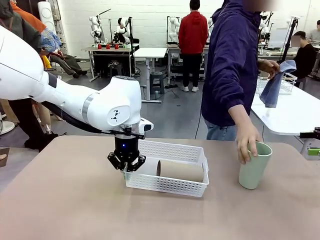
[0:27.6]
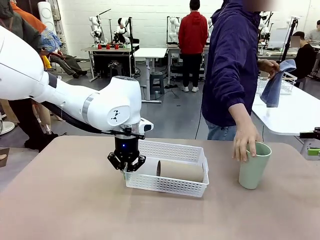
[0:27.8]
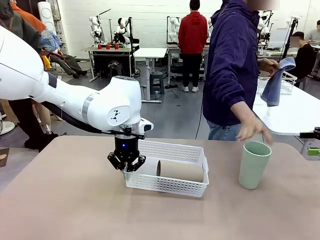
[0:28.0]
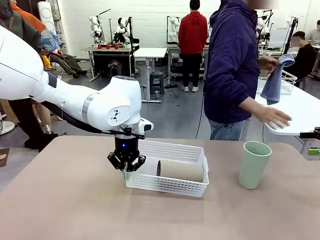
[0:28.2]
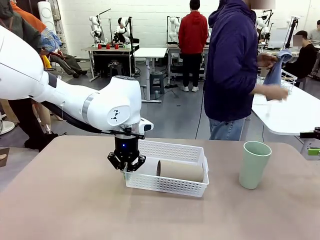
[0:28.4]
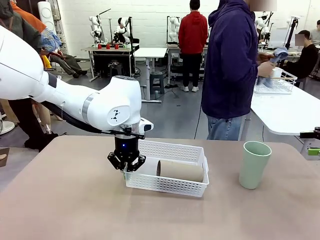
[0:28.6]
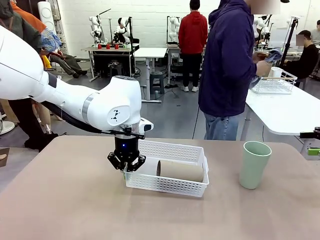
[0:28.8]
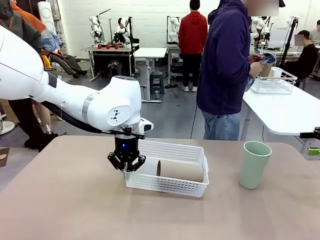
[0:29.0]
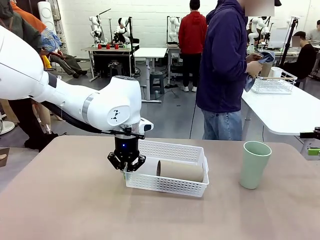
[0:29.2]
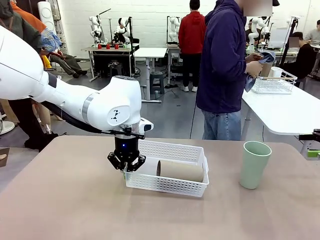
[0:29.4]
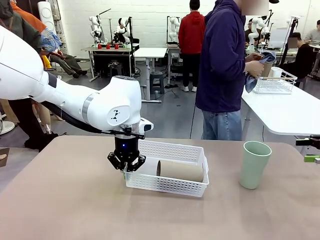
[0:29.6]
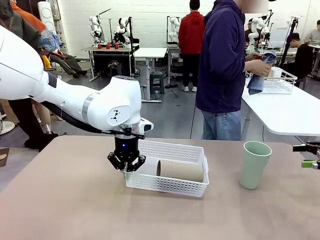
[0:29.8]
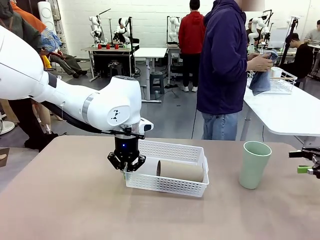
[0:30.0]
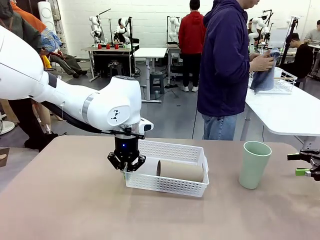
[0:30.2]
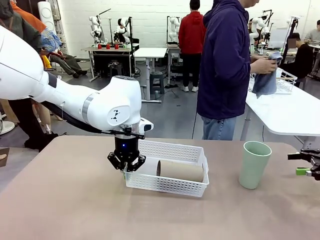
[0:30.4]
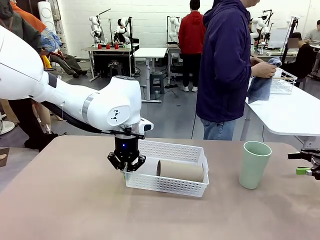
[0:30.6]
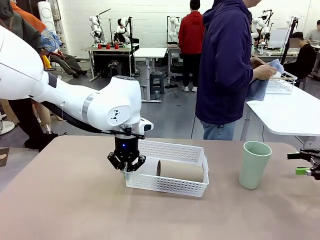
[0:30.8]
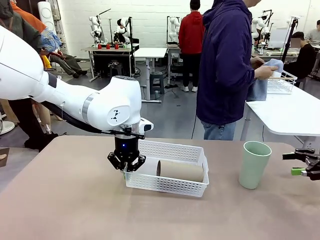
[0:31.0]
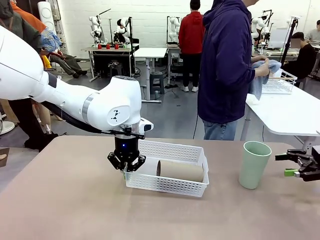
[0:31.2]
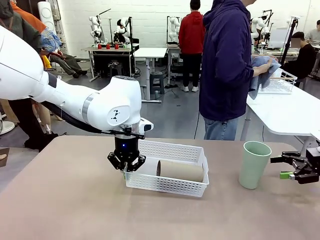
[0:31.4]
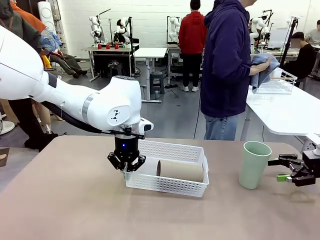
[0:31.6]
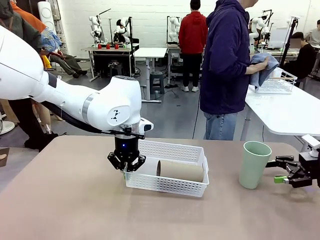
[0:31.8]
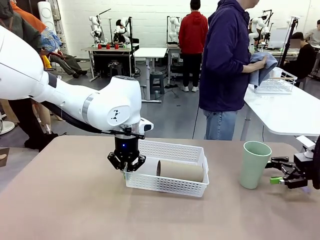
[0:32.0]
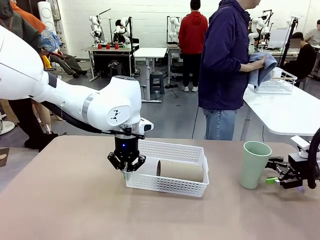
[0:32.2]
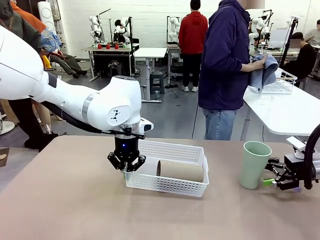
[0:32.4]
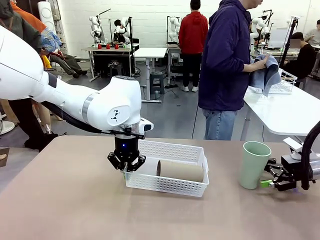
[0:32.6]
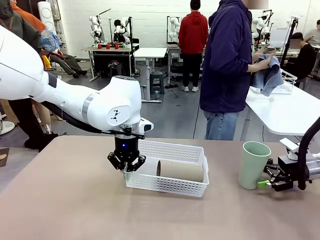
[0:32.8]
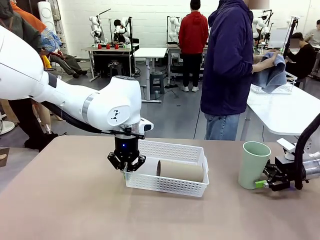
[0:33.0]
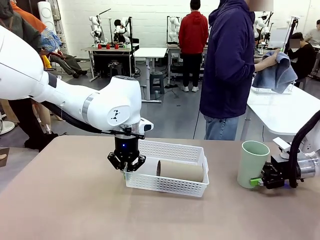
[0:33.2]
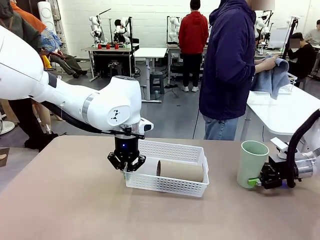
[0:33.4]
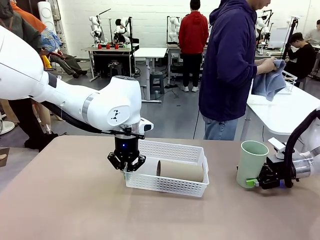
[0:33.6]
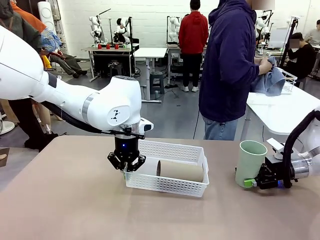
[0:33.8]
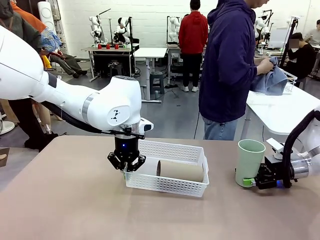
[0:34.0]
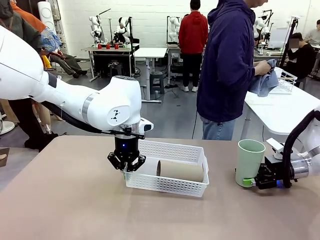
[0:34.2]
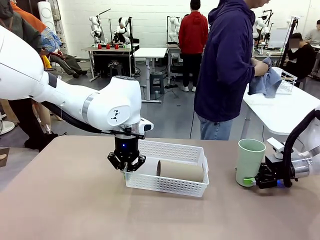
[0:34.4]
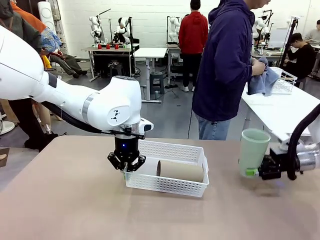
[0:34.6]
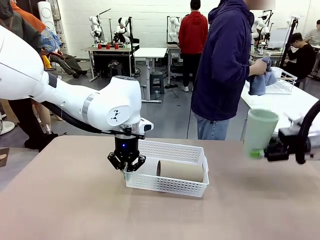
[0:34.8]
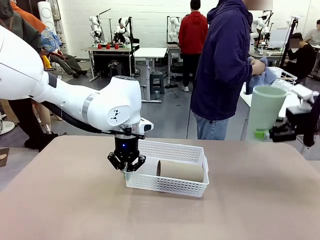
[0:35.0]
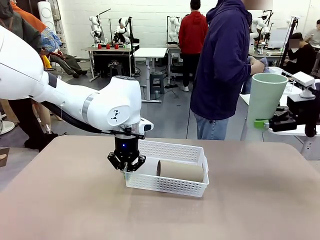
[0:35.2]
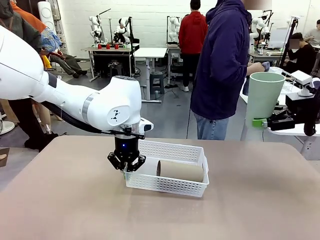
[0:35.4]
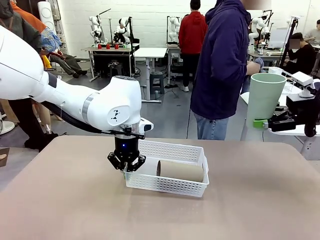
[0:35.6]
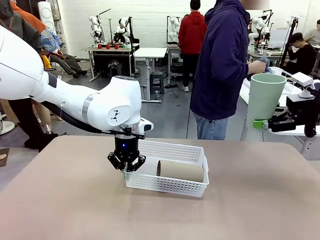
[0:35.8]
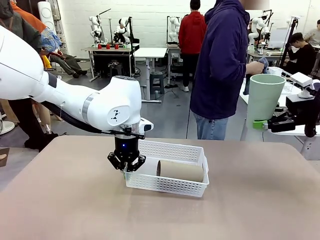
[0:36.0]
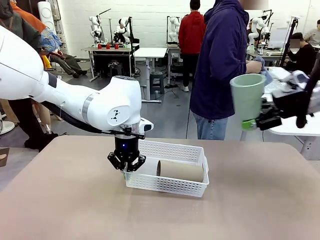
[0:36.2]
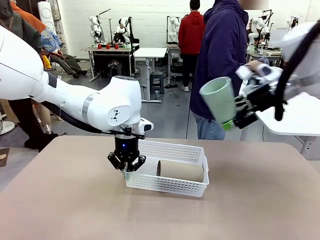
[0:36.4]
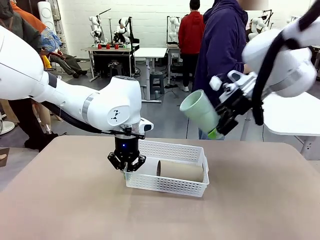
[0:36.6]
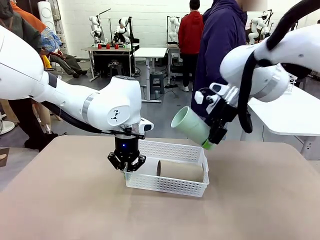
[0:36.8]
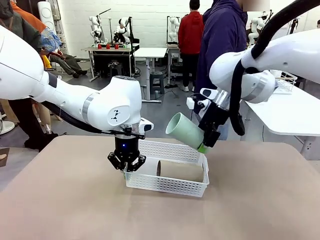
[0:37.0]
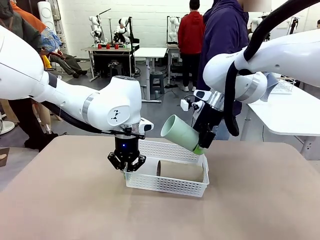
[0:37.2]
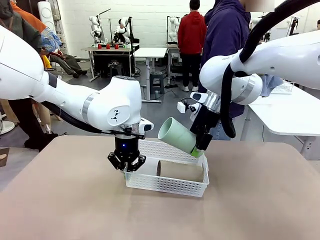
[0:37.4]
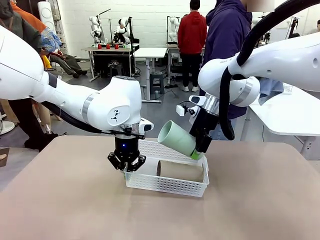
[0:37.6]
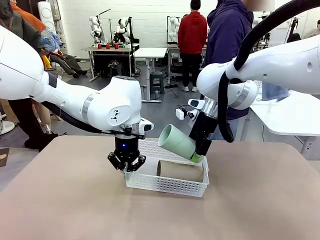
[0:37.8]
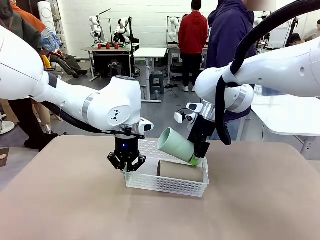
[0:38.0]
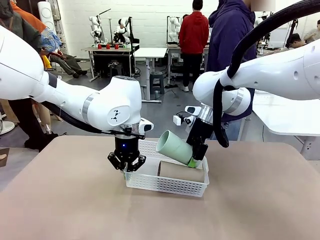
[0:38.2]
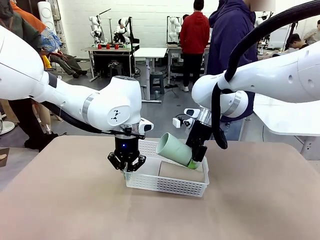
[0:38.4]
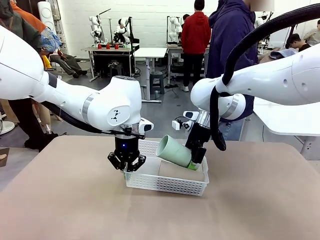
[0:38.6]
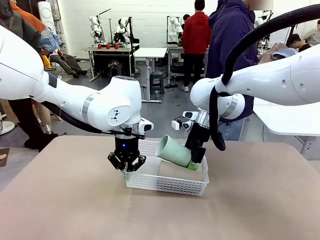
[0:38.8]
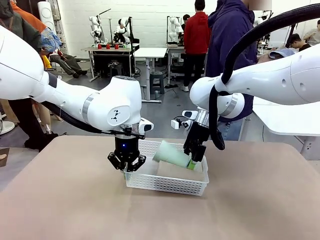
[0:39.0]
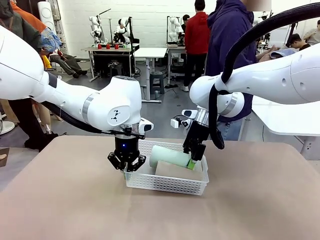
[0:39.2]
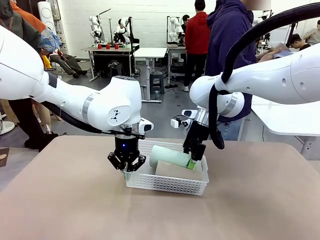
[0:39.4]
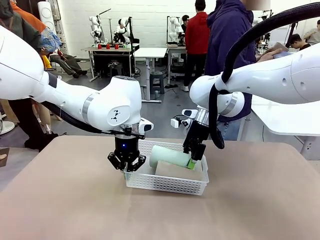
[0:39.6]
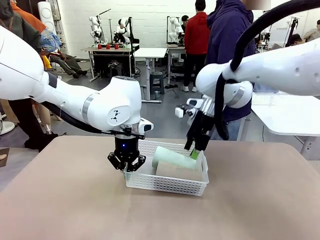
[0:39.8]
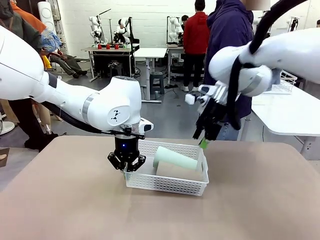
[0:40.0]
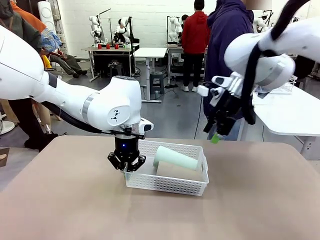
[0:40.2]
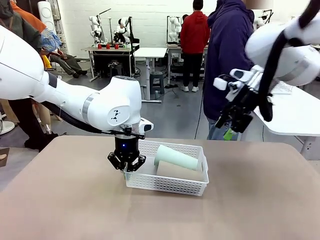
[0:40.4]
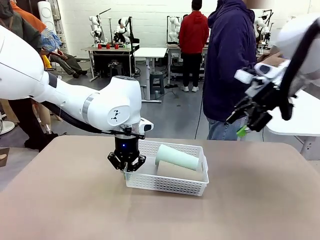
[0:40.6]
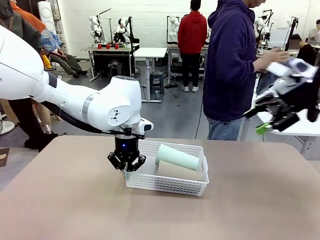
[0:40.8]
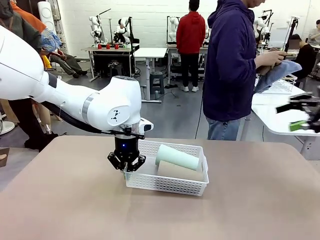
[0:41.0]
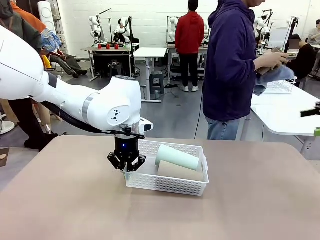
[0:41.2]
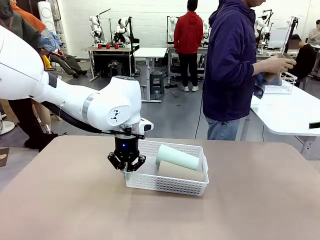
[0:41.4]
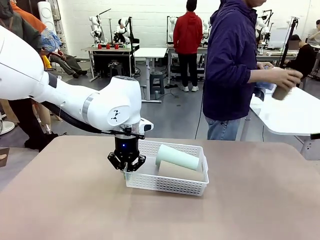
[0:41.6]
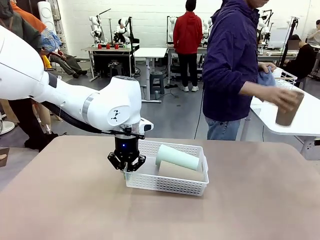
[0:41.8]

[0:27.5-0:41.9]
Task: Clean and organize the cups into the basket.
Robot: Pick up the Reusable plastic cup from the right side of the table and stack it inside the Organizing basket in the center of the table.

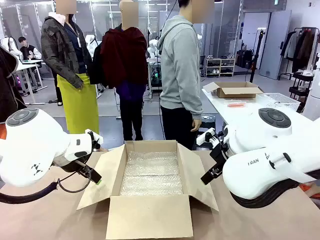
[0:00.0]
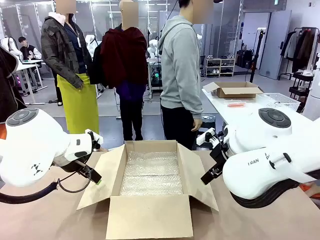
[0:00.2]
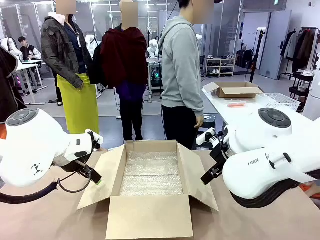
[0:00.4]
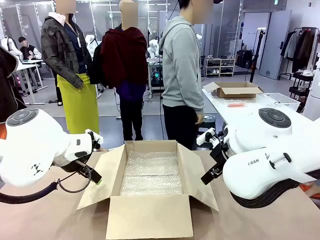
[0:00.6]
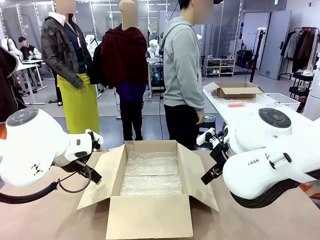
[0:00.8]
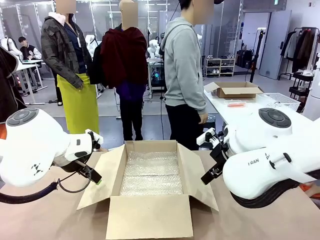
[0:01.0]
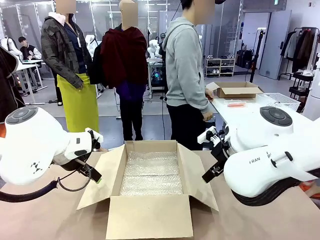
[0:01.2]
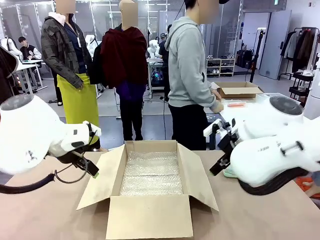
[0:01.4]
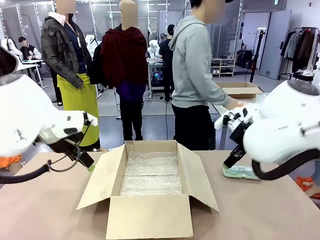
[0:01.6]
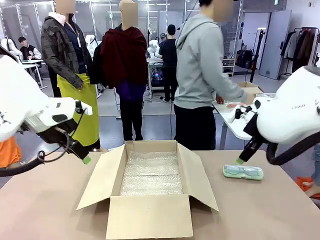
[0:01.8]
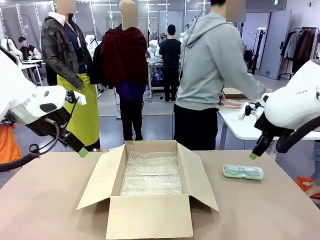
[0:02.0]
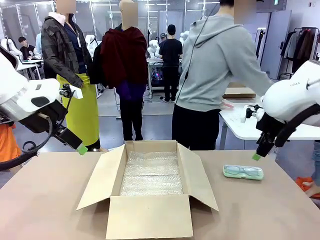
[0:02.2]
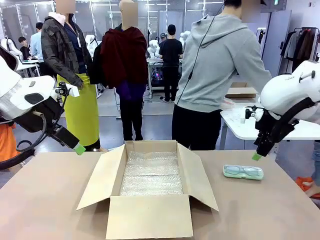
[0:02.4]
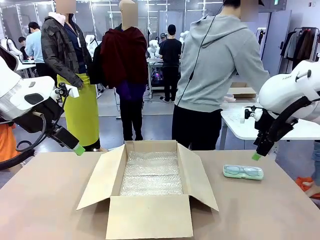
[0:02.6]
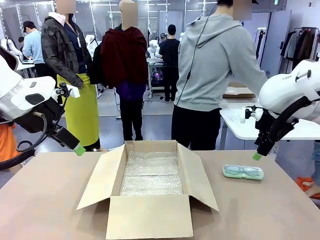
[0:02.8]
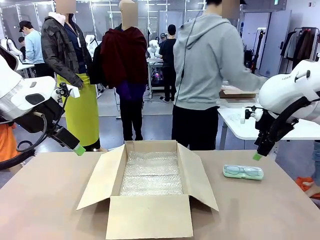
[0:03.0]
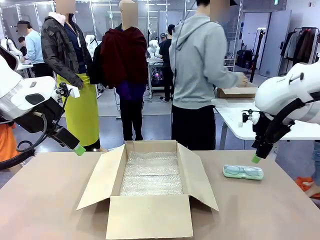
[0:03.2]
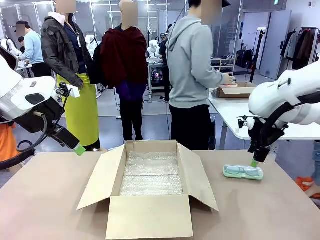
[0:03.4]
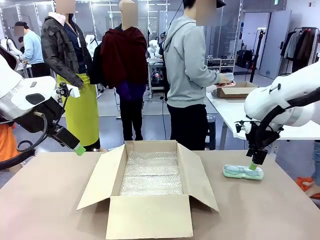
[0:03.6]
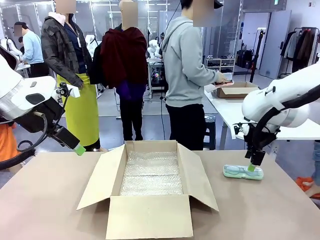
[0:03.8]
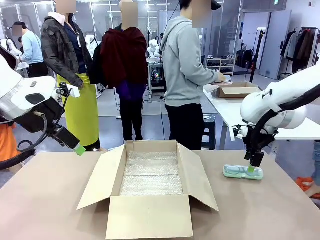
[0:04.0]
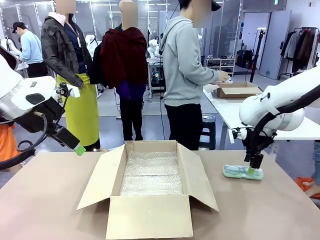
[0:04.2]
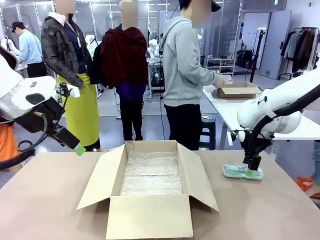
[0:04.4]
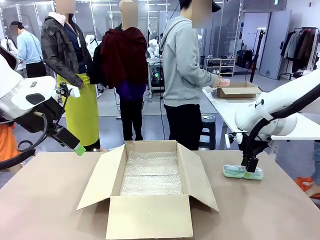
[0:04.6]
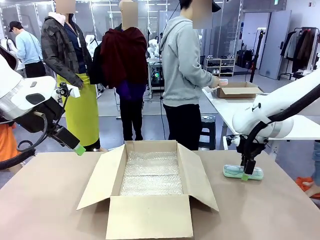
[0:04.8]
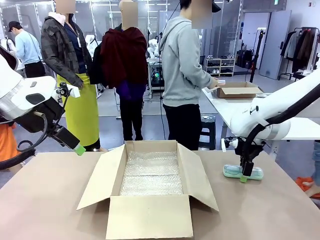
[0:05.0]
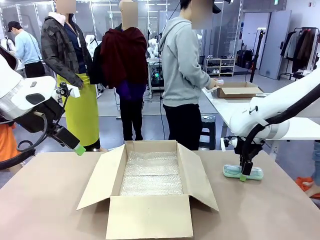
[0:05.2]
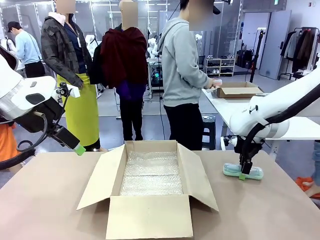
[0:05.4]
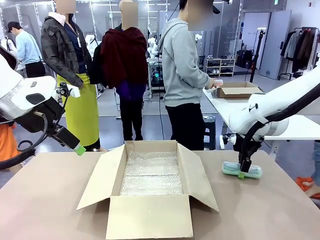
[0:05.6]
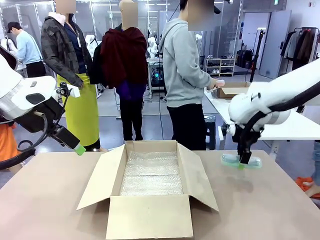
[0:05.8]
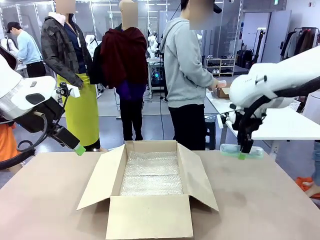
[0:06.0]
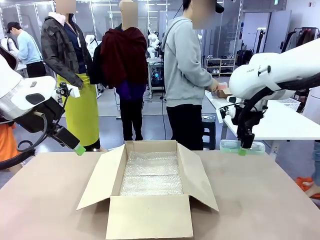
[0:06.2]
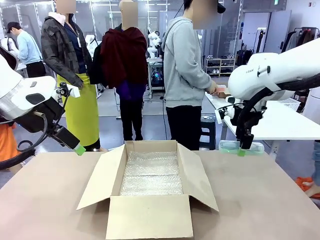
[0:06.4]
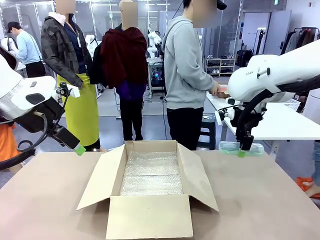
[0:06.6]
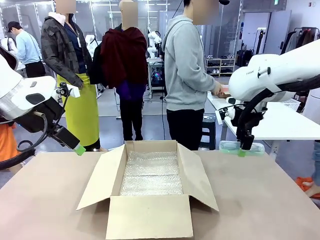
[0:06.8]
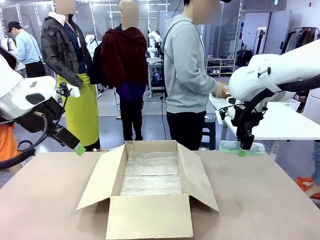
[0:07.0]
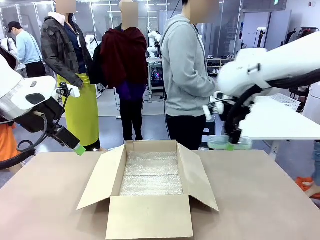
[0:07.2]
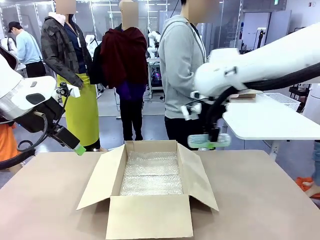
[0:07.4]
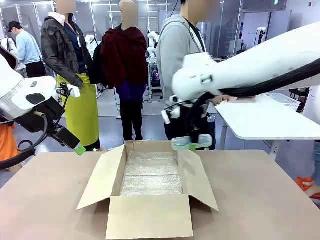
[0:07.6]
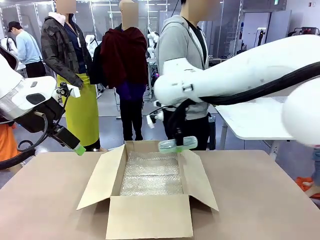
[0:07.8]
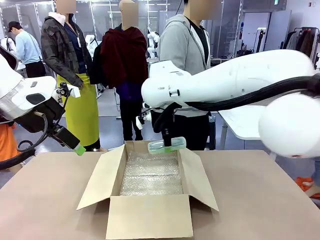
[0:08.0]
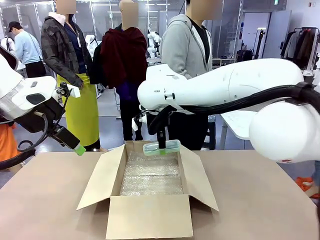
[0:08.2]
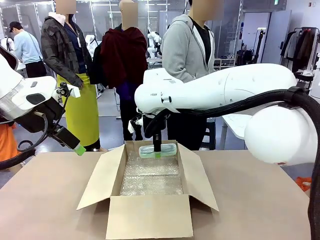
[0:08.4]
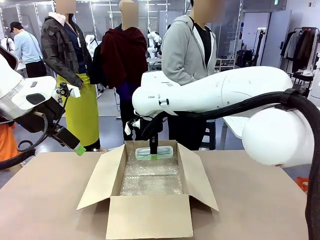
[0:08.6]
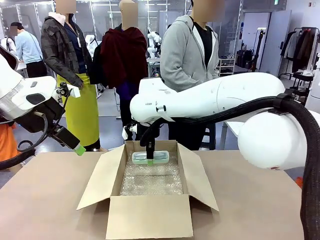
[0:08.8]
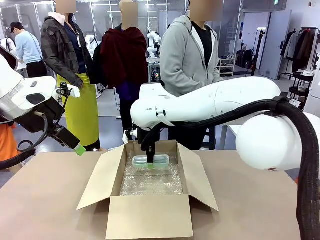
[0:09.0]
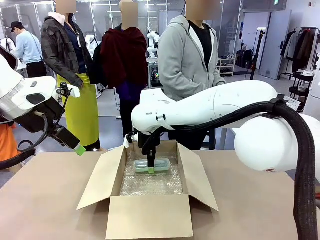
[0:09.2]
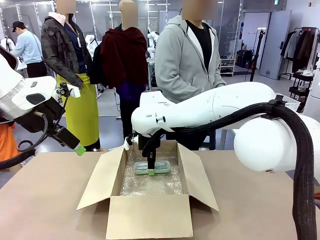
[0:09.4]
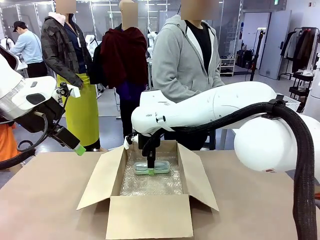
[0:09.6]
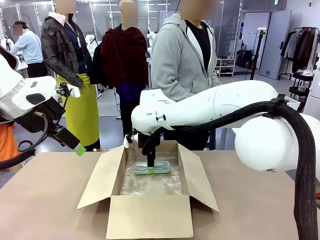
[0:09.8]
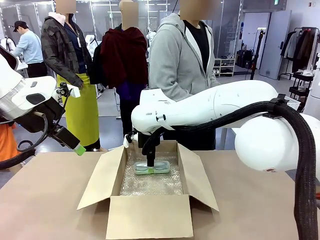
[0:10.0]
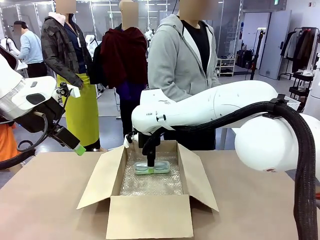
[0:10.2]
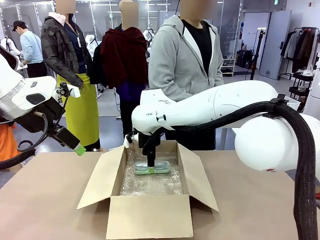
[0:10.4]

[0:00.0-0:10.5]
Task: Pack the glasses set securely to prepare it for shipping.
Robot: Place the Glasses case inside the Package Box.
Person: Place the Glasses inside the Glasses case.
